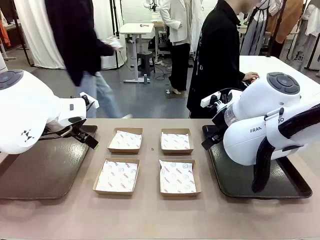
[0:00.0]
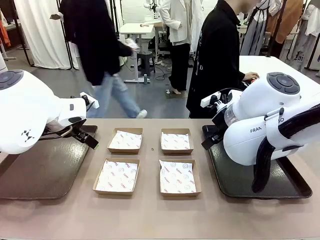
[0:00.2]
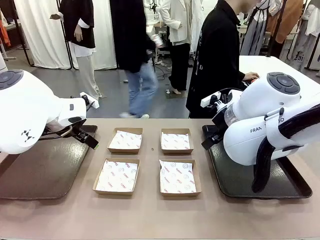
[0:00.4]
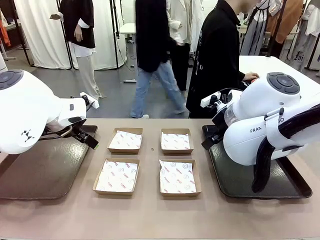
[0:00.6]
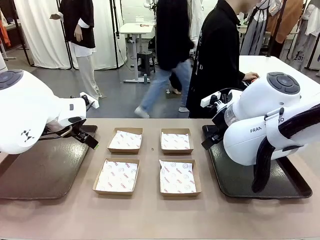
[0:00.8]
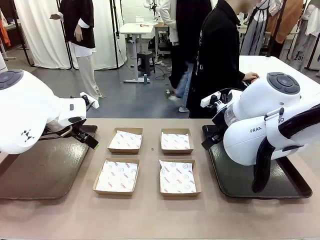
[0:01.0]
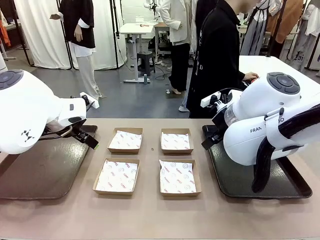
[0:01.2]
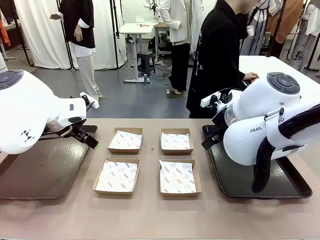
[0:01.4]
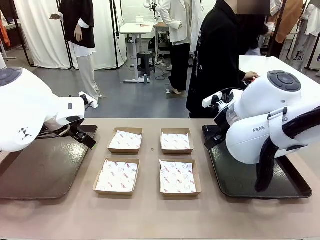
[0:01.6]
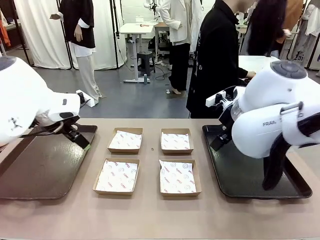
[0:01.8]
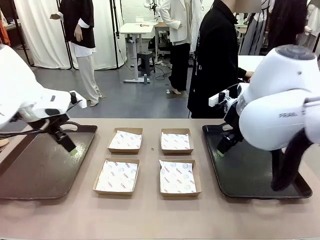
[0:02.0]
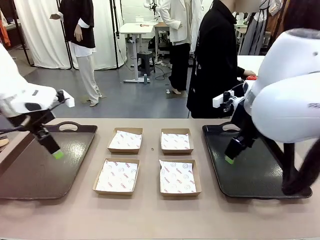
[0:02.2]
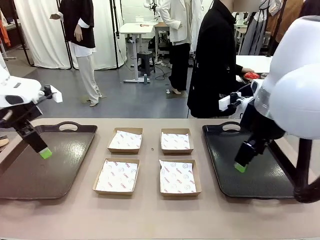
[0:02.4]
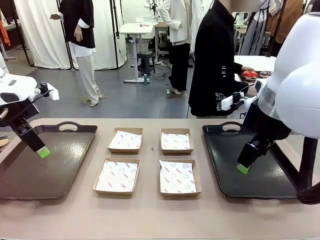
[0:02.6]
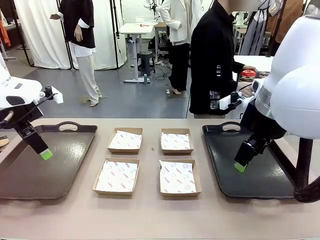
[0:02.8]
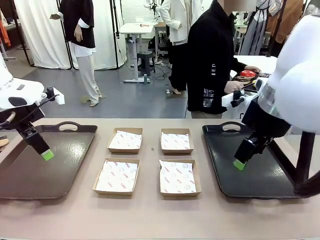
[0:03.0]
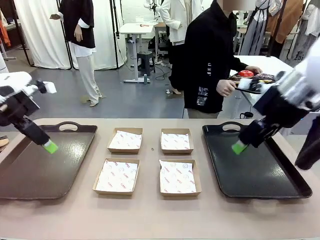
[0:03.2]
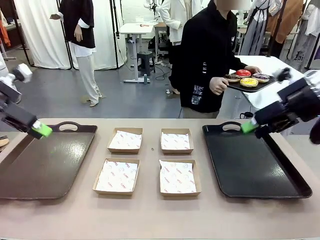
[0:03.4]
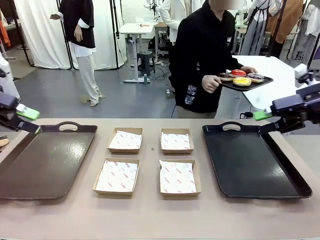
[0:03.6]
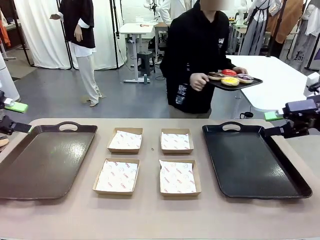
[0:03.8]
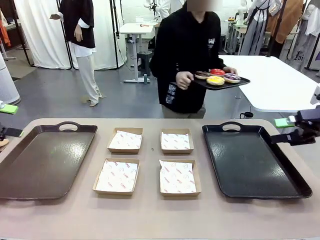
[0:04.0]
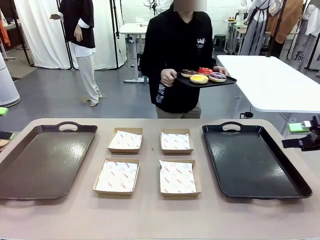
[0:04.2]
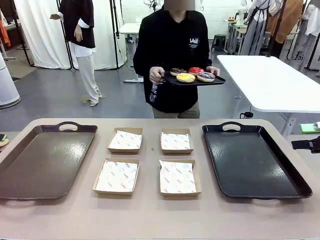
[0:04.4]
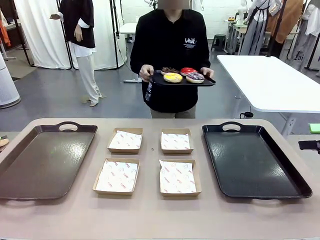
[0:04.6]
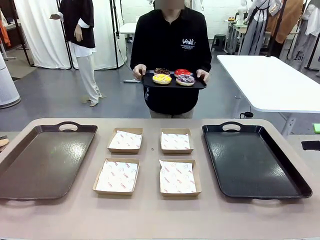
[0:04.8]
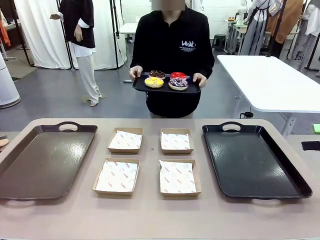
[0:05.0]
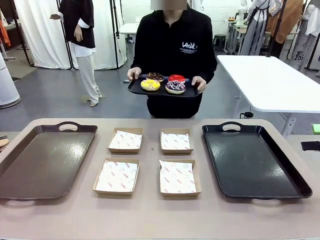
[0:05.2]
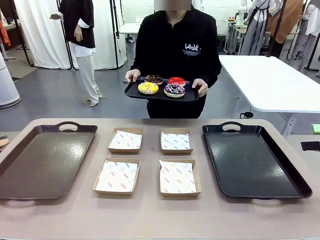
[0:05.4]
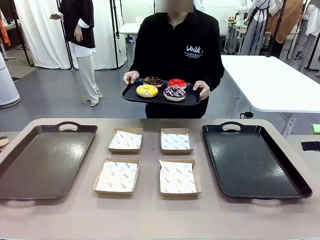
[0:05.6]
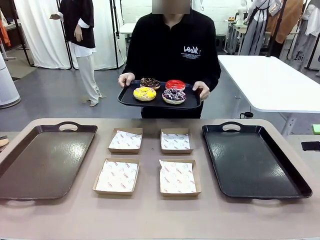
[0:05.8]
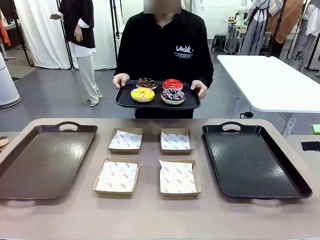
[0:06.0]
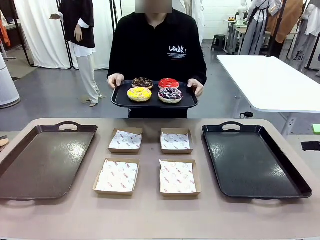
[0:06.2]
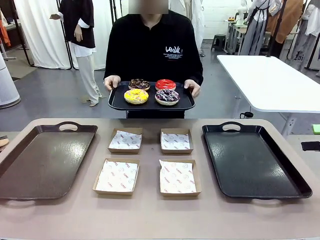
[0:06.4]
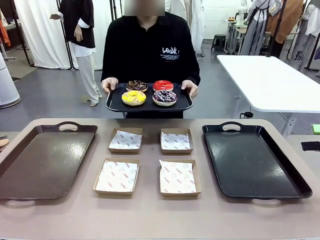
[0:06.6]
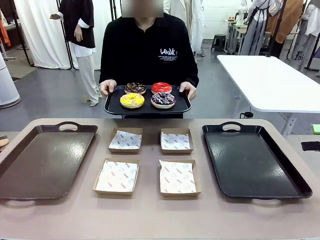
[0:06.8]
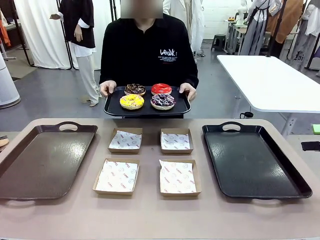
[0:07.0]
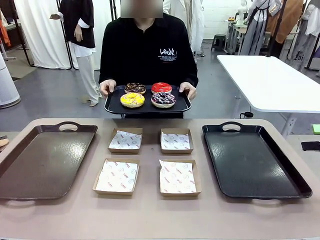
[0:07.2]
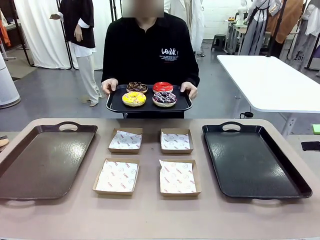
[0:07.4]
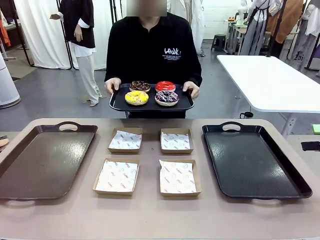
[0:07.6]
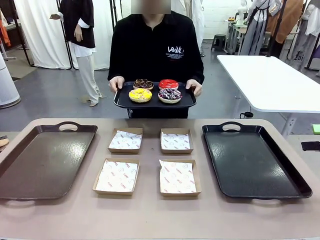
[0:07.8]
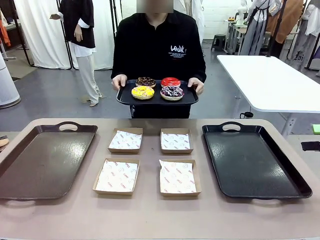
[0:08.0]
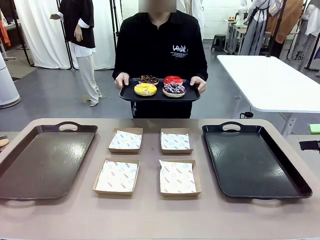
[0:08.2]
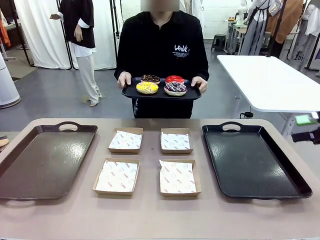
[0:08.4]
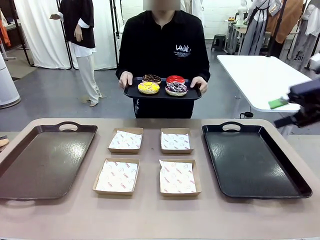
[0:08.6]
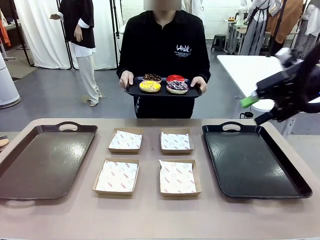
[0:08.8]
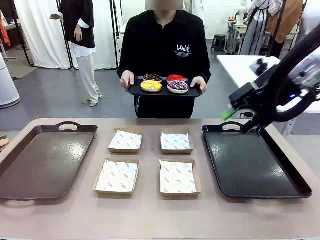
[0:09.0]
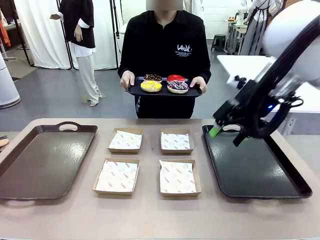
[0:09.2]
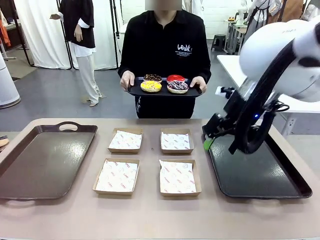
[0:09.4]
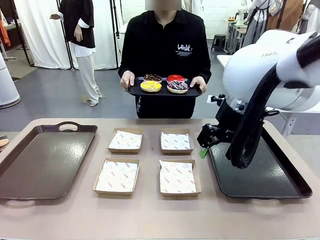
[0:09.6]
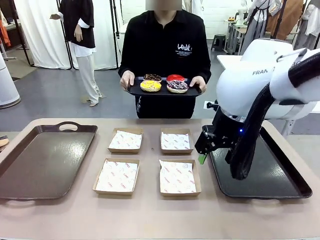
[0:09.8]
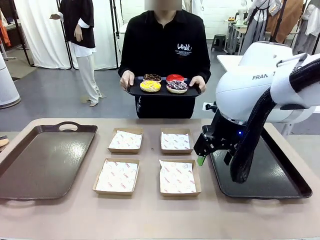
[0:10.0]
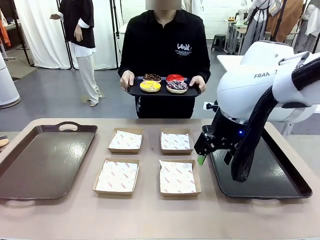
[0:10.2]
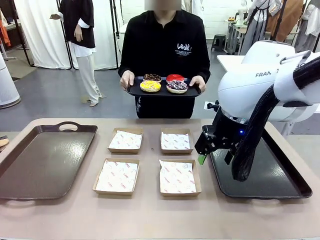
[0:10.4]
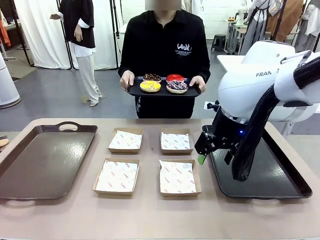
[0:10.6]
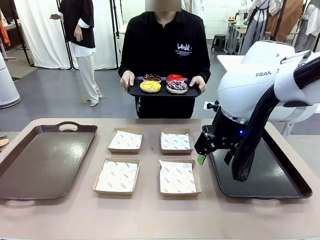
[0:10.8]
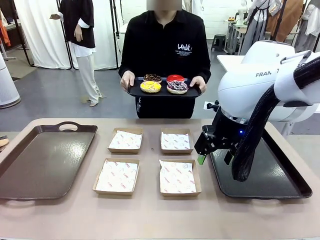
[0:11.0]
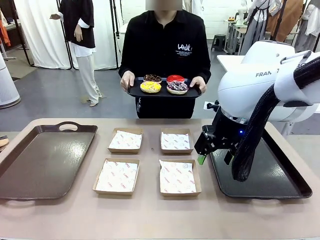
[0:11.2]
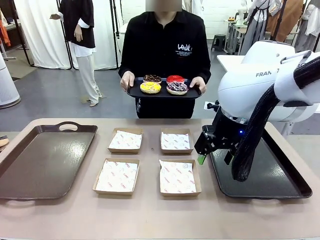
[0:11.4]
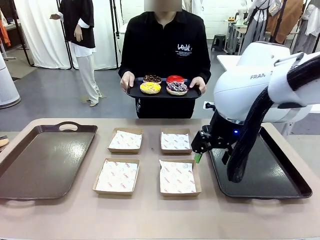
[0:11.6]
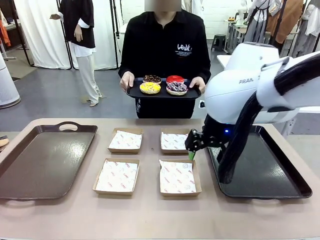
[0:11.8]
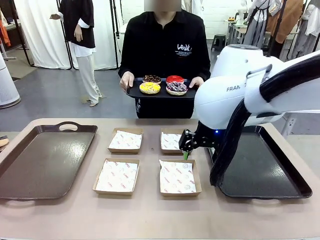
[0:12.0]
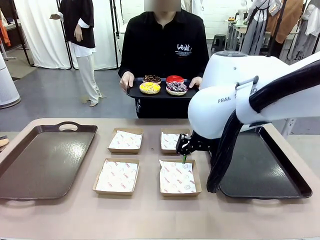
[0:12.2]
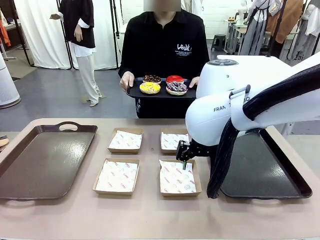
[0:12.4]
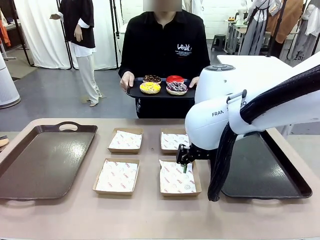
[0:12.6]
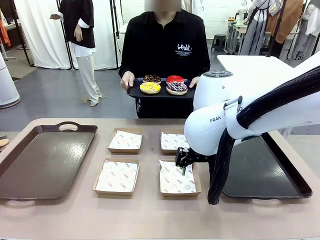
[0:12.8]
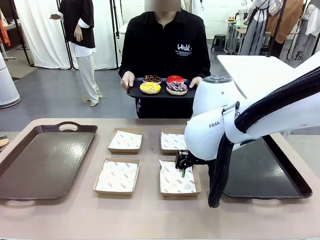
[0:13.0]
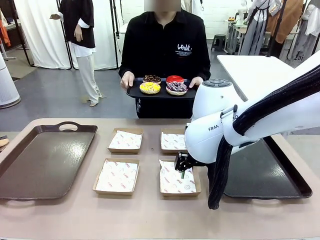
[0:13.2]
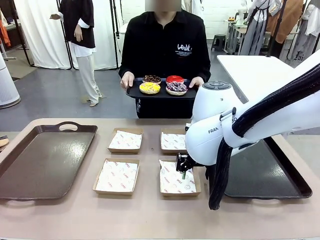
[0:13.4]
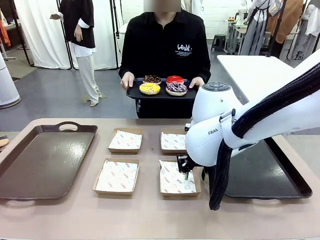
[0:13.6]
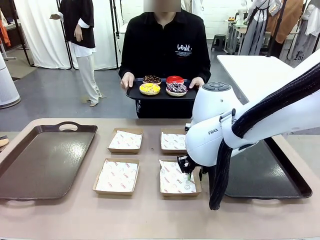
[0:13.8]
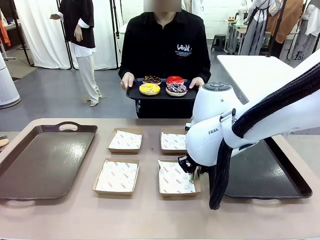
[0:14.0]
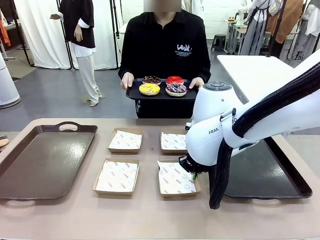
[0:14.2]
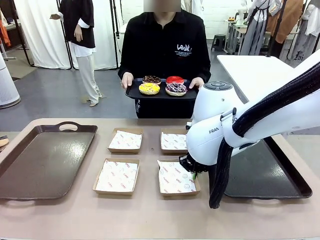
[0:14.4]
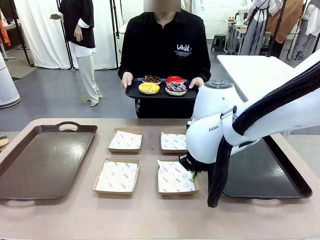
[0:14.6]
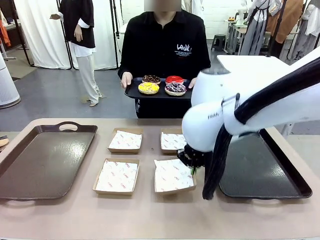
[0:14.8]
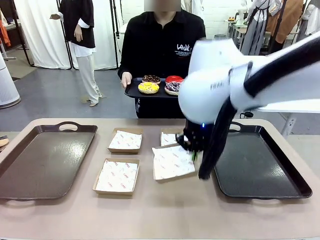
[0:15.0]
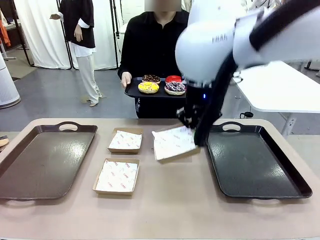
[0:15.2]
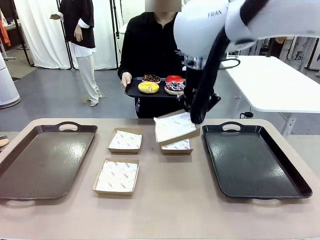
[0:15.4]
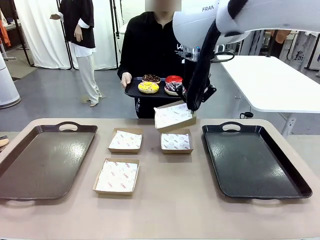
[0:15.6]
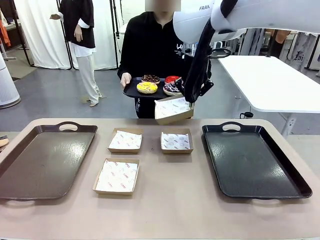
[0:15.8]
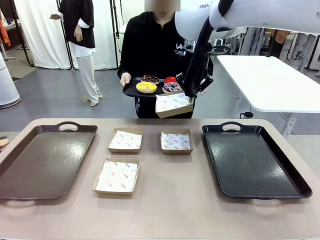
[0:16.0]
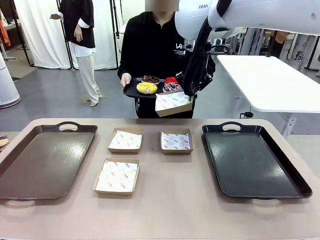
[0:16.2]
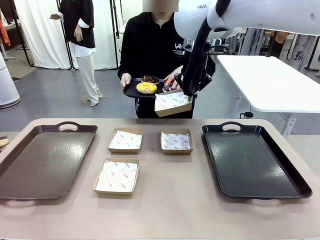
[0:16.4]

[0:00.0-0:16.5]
Task: Individually package the donuts and arrange them on the tray.
Robot: Pick up one Paper togo box.
Person: Stand in front of the robot table holding the tray containing the donuts.
